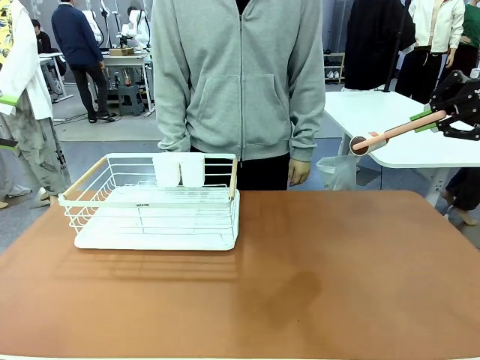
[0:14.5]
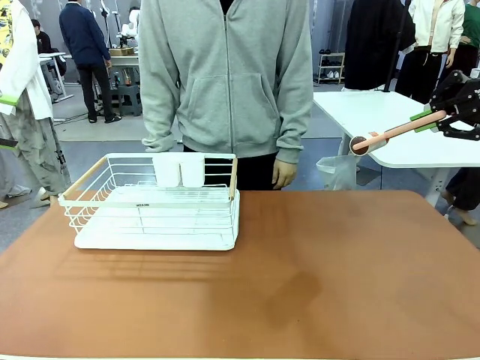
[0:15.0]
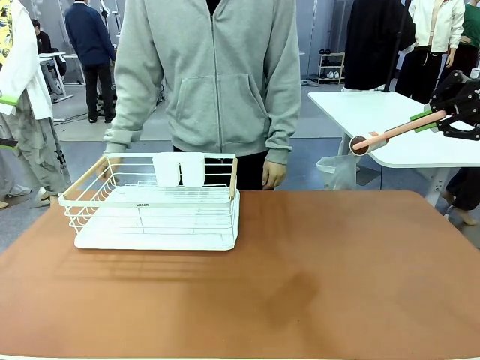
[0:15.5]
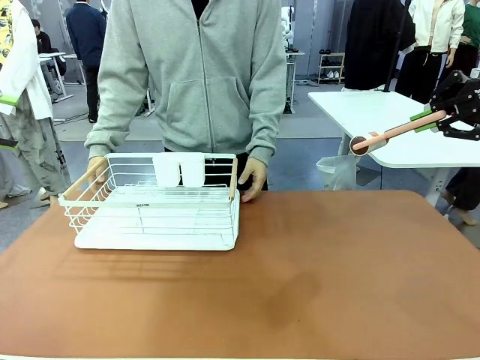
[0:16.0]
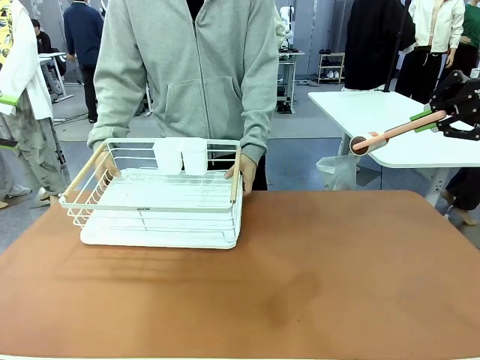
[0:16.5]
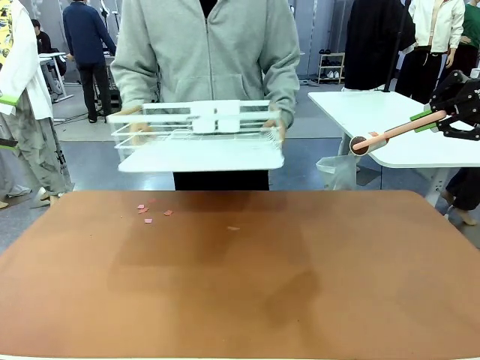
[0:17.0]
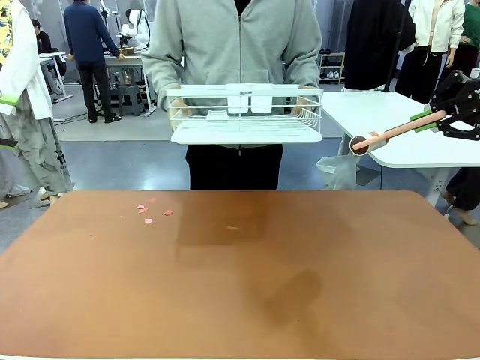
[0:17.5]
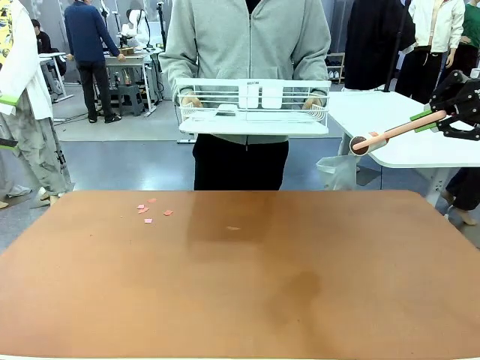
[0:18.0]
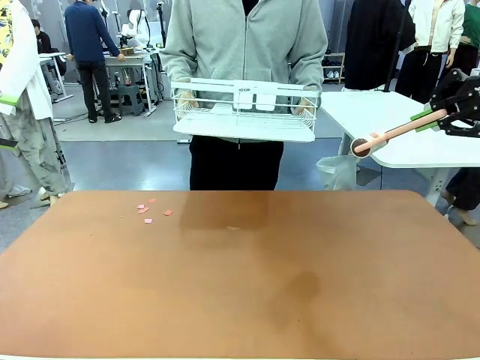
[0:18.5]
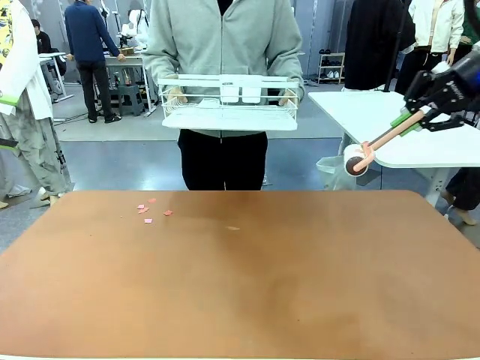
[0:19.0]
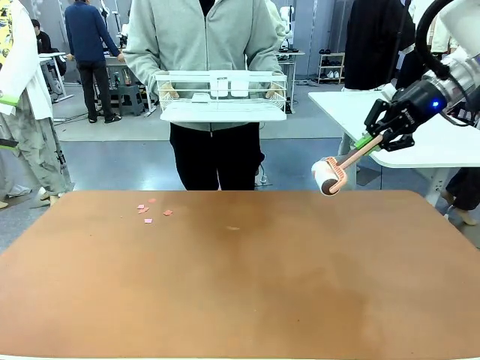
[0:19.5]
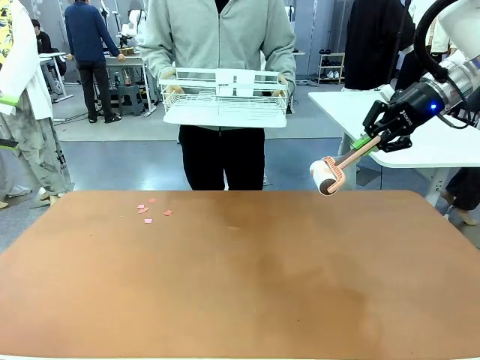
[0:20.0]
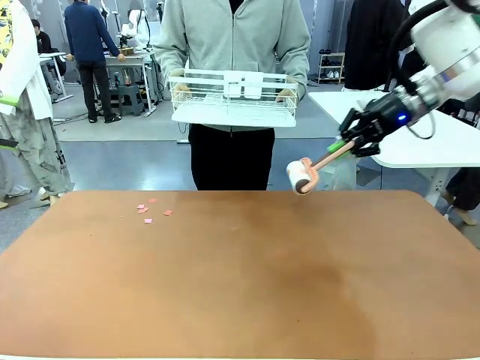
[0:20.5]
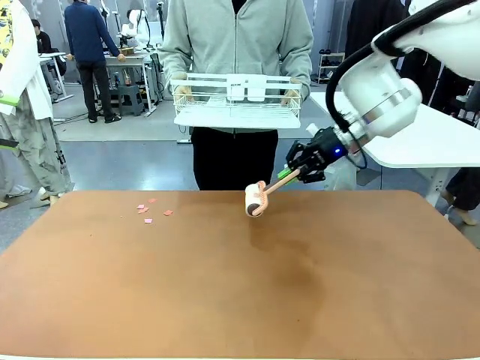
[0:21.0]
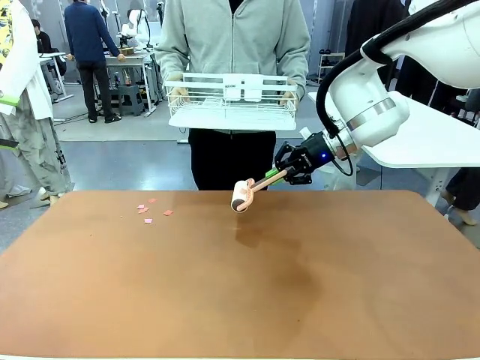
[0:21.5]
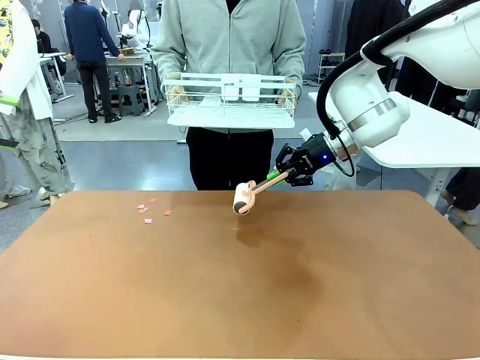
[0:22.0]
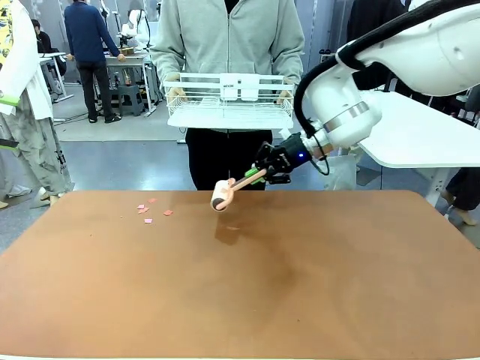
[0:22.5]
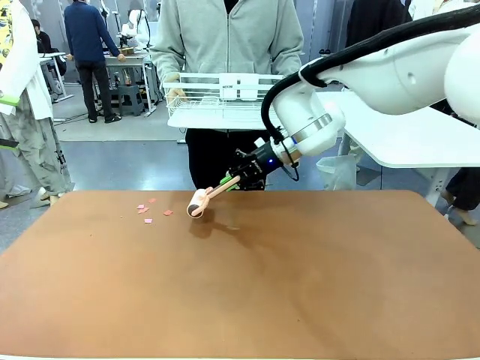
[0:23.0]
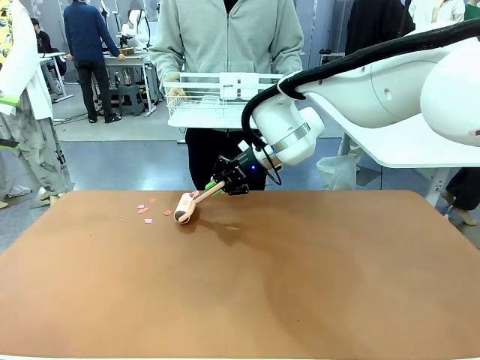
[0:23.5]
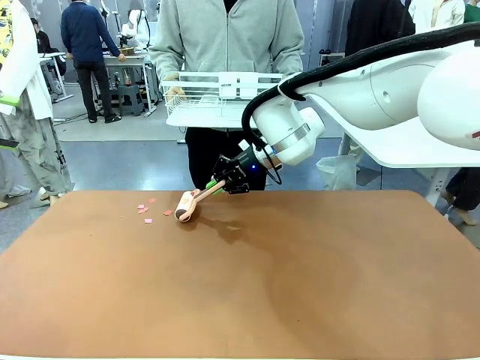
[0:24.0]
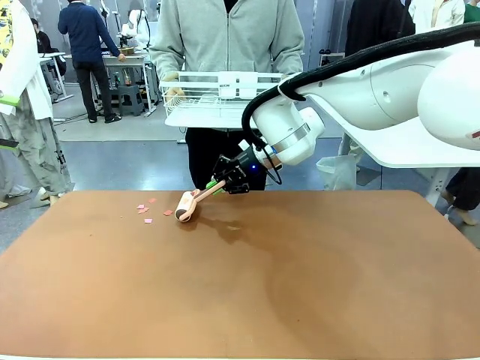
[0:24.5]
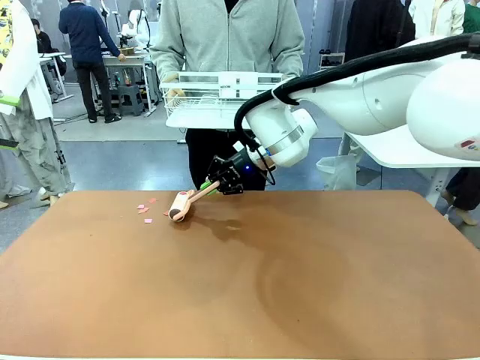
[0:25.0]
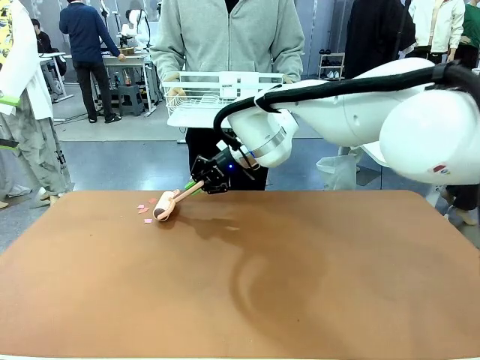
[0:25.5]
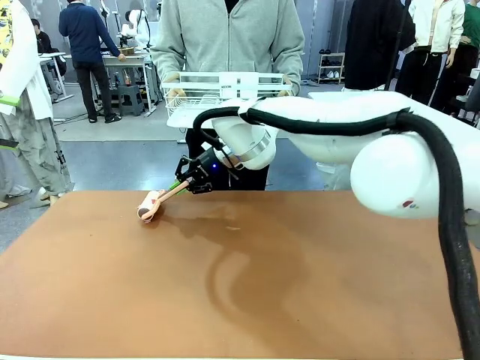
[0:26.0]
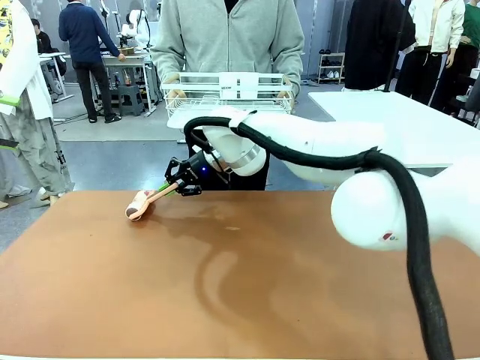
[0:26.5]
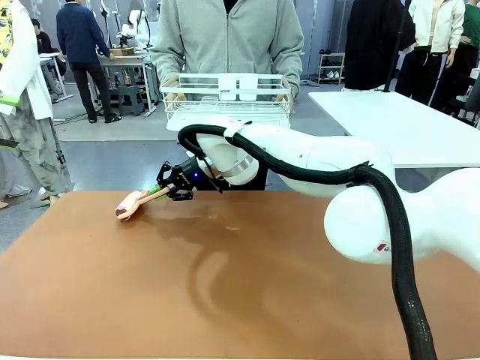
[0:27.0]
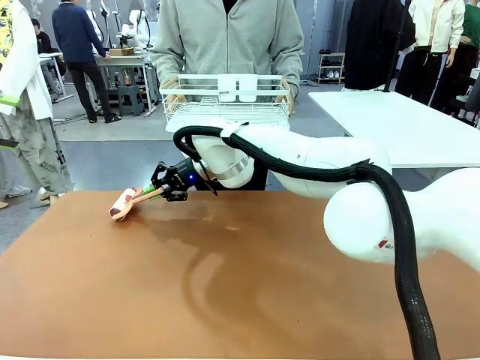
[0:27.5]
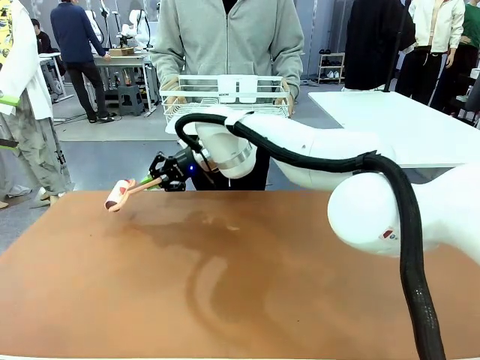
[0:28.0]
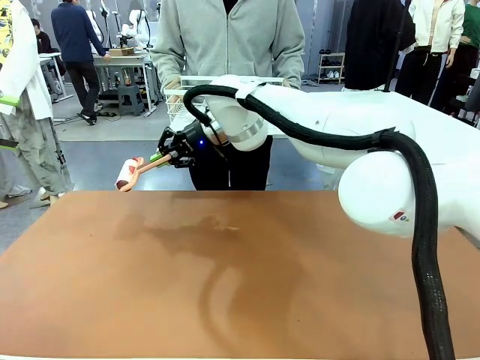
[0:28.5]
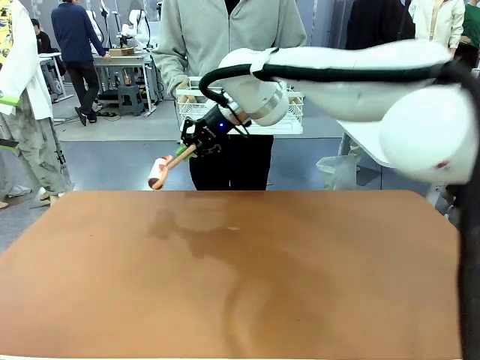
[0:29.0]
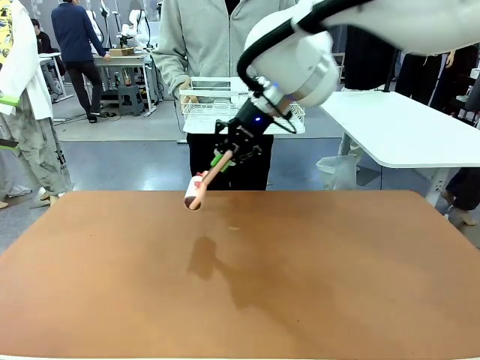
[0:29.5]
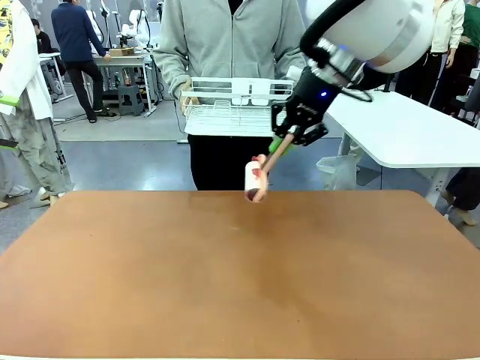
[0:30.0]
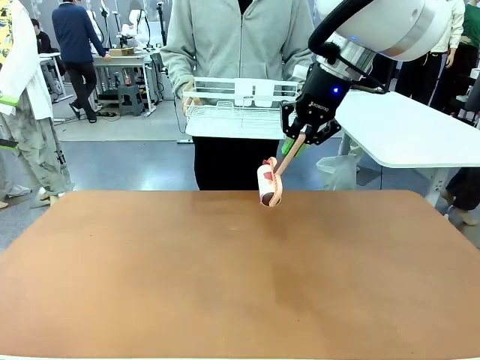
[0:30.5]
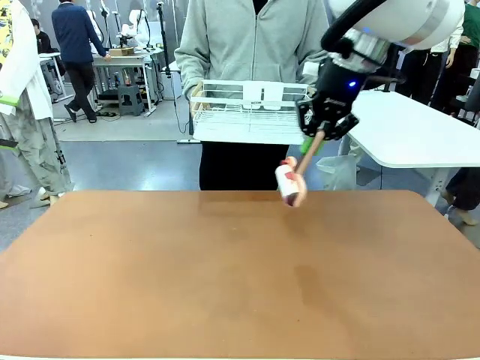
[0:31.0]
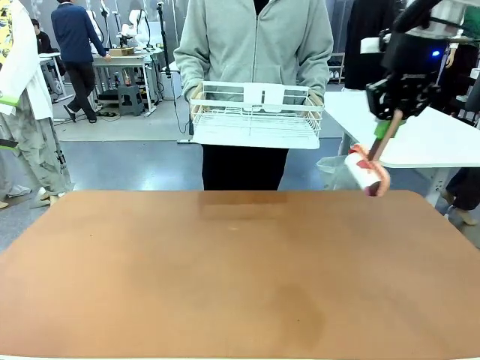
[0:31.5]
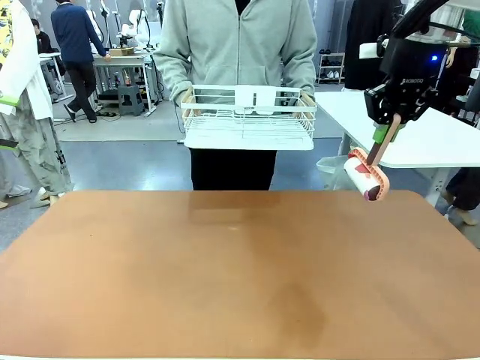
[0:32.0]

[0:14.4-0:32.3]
Task: Clean the table.
Robot: Clean the table with the Lint Roller when the human lifts the Dish drying rack.
Person: Place the Dish drying rack down when the robot finishes cleaning.

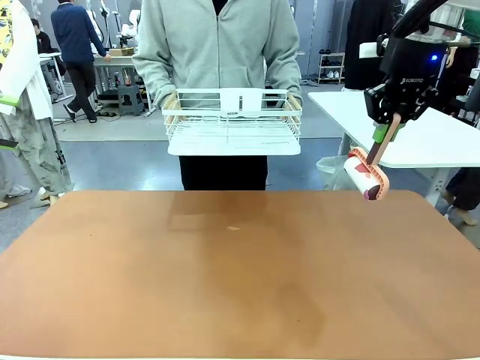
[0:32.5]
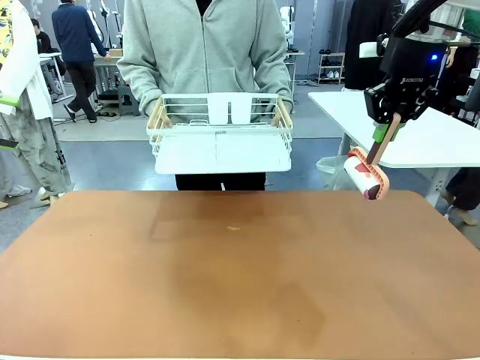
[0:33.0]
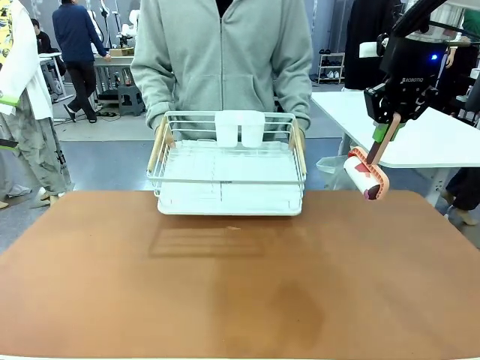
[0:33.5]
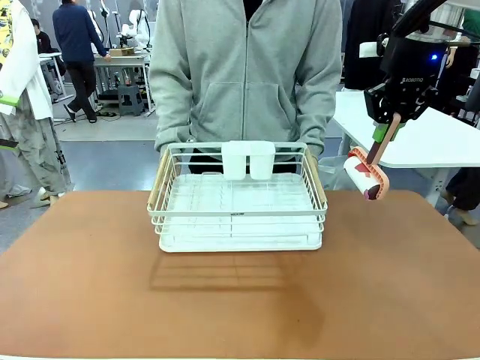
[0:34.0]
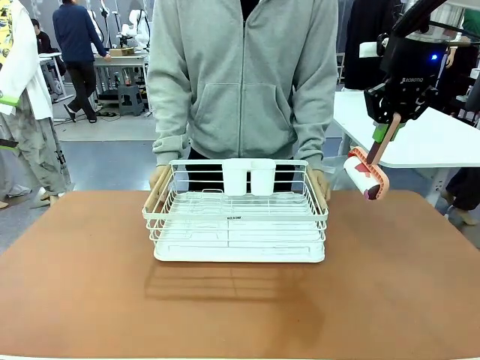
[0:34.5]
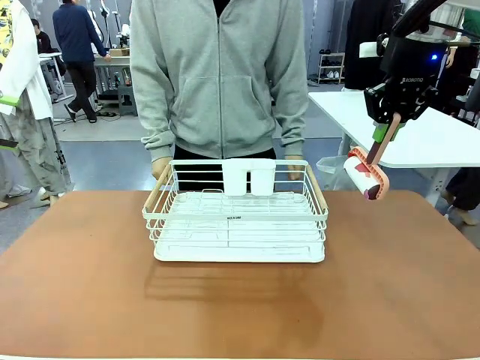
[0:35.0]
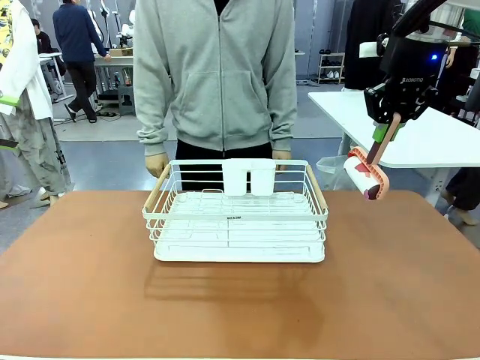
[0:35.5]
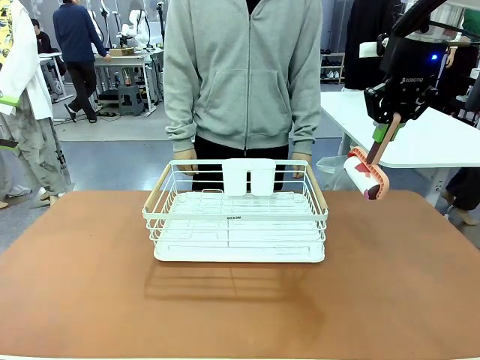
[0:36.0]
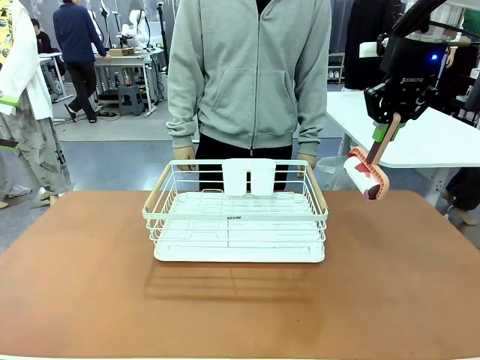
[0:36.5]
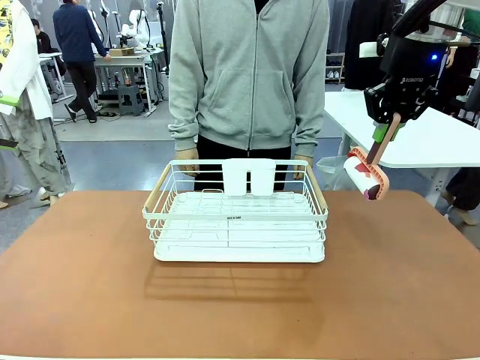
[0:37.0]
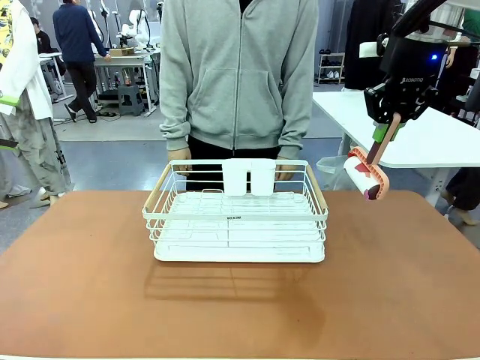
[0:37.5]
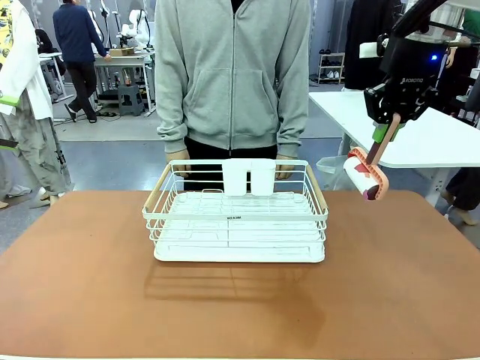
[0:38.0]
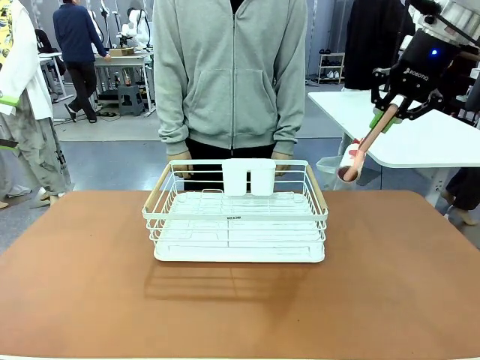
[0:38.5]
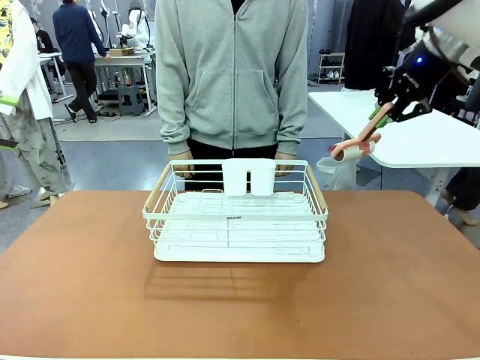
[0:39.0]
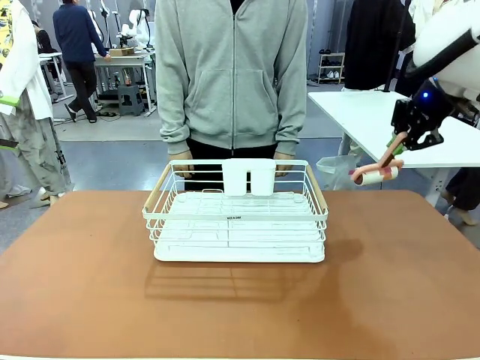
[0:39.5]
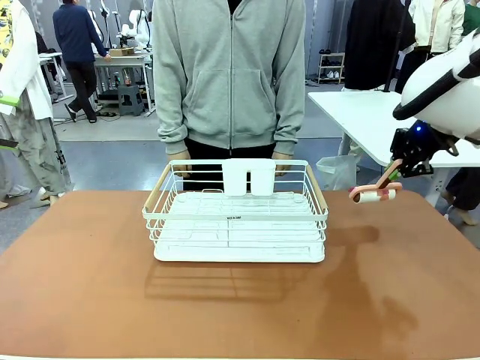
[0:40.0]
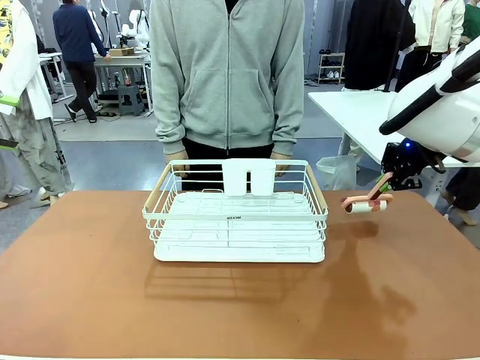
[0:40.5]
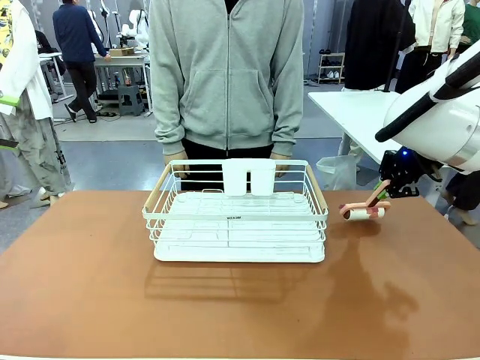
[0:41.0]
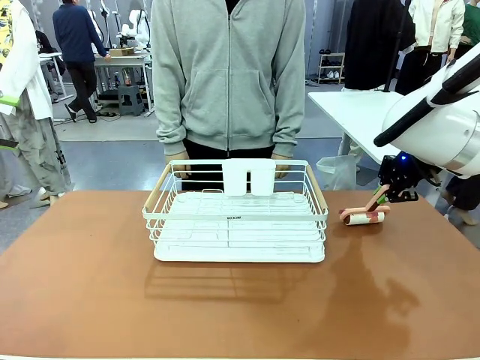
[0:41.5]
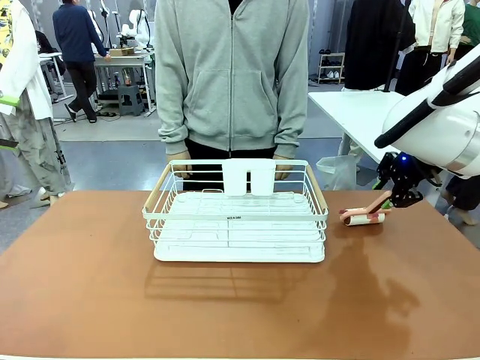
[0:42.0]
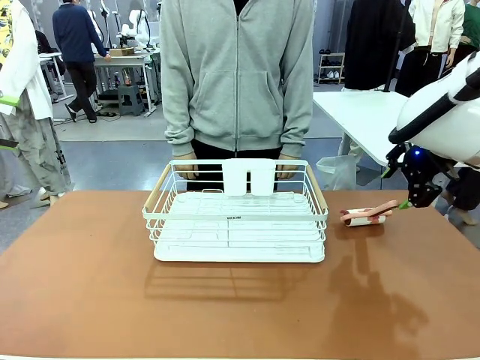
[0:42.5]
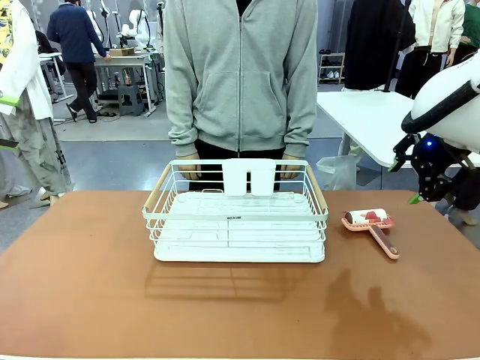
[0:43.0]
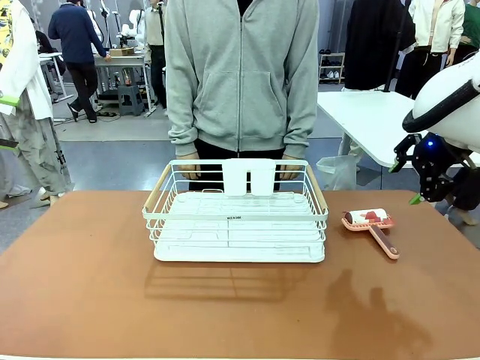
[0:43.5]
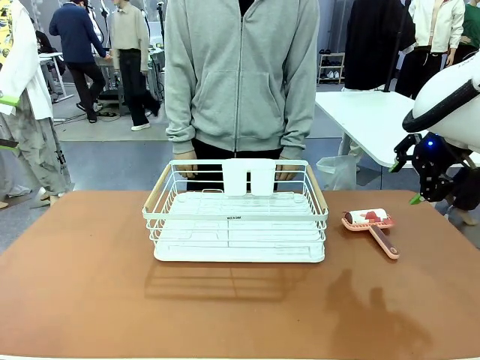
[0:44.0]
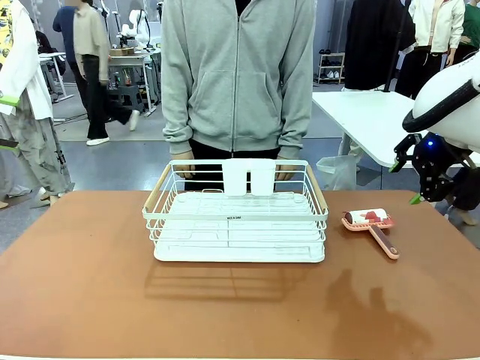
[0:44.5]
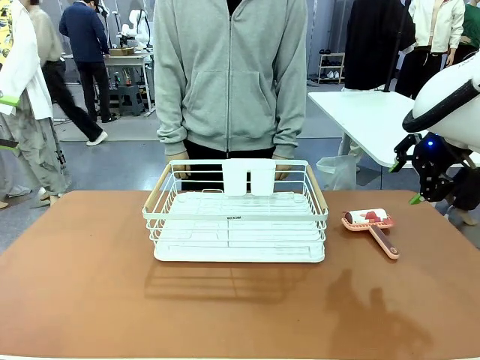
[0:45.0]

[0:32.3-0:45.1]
Robot: Place the Lint Roller down when the Dish drying rack is positioned in the middle of the table.
